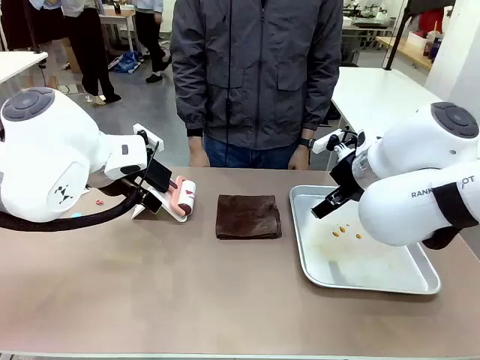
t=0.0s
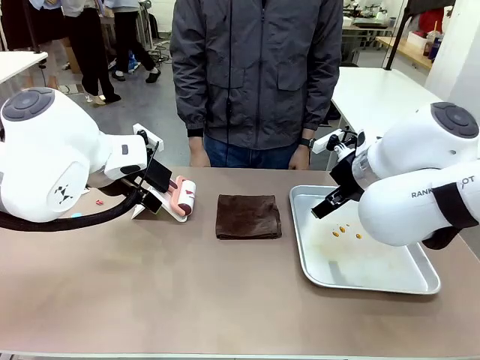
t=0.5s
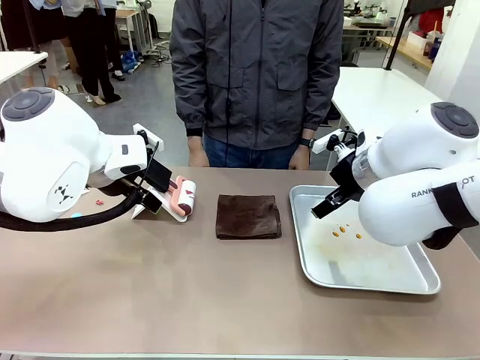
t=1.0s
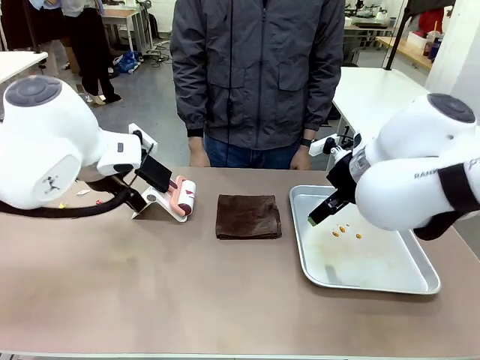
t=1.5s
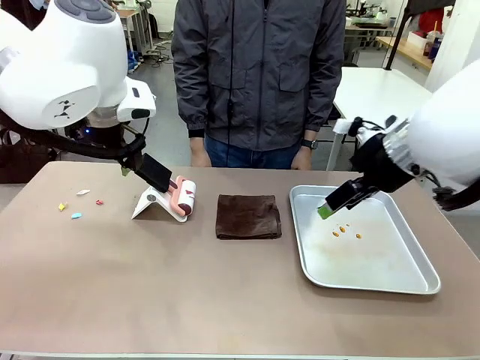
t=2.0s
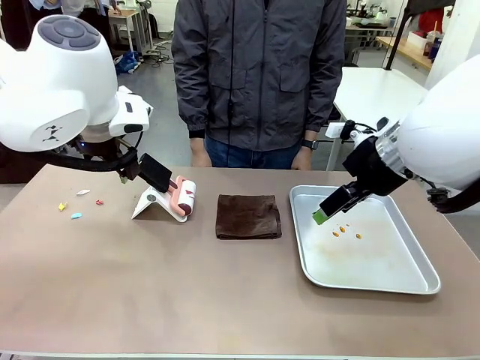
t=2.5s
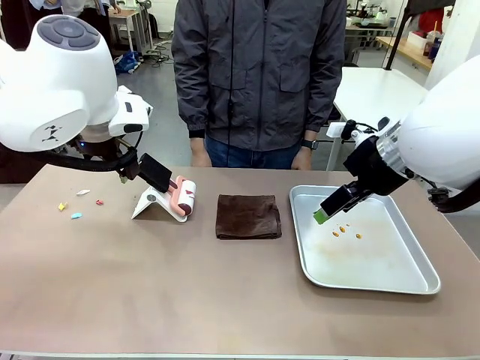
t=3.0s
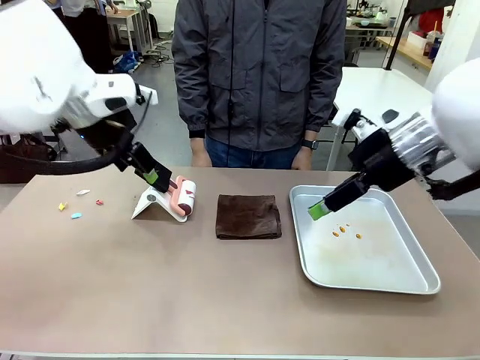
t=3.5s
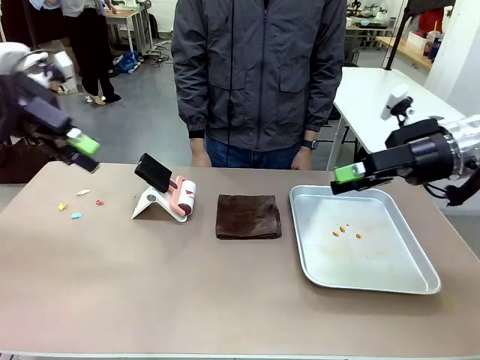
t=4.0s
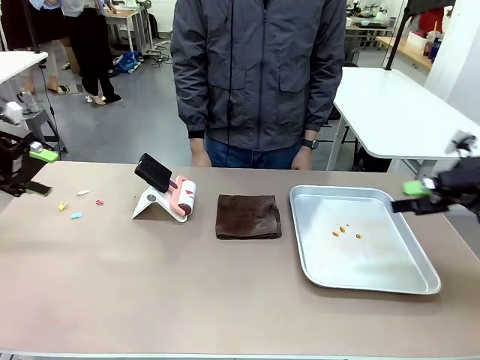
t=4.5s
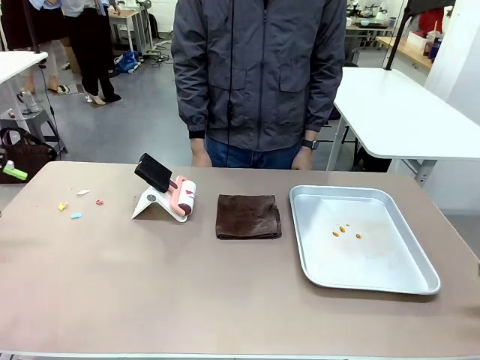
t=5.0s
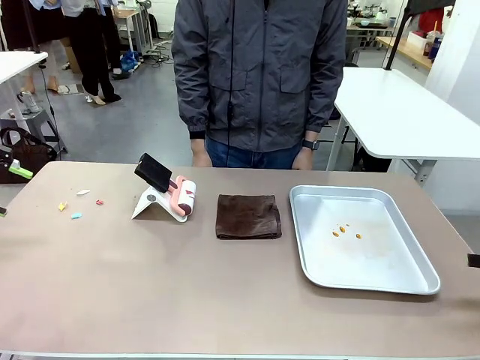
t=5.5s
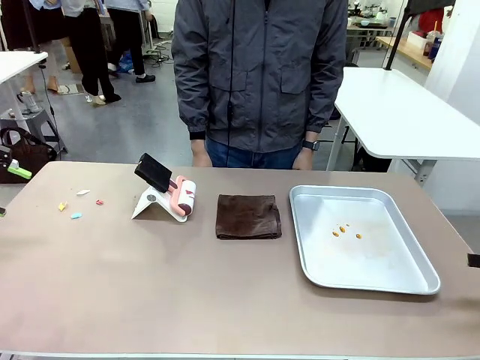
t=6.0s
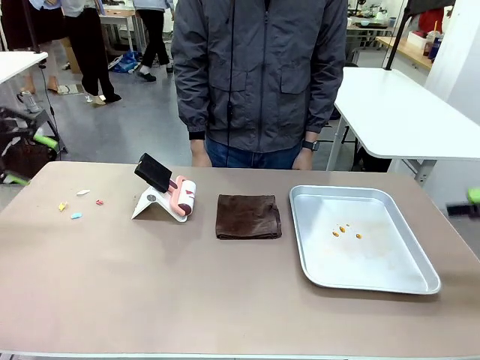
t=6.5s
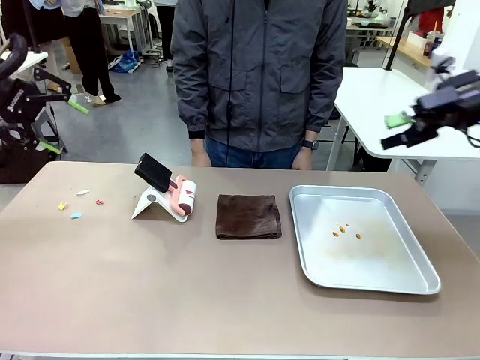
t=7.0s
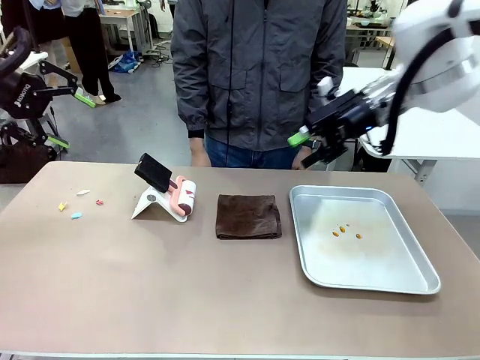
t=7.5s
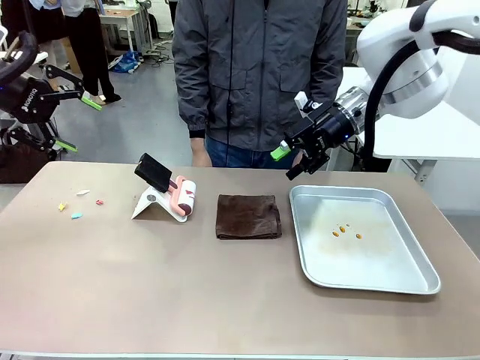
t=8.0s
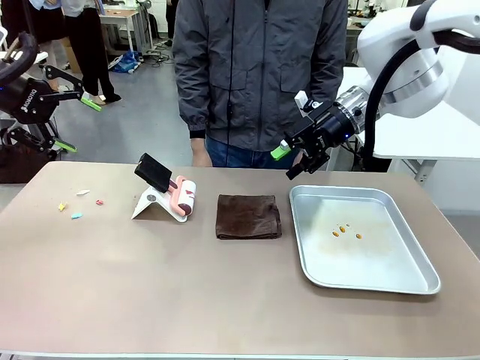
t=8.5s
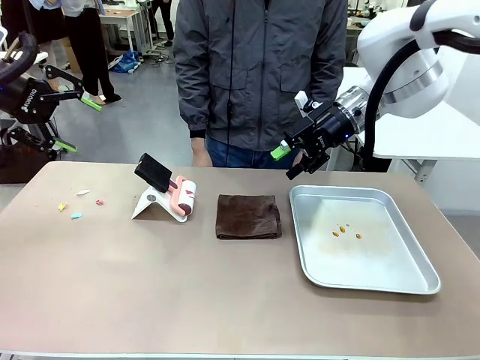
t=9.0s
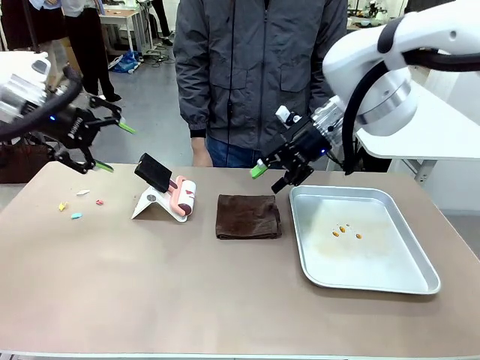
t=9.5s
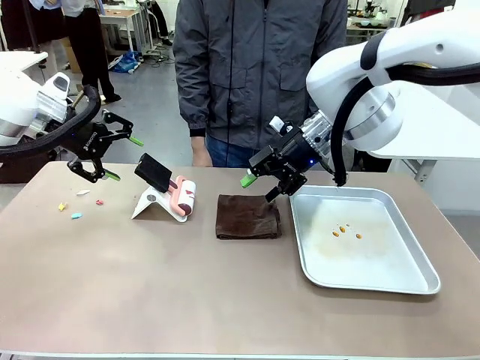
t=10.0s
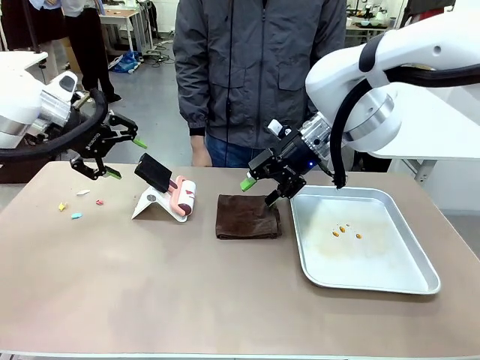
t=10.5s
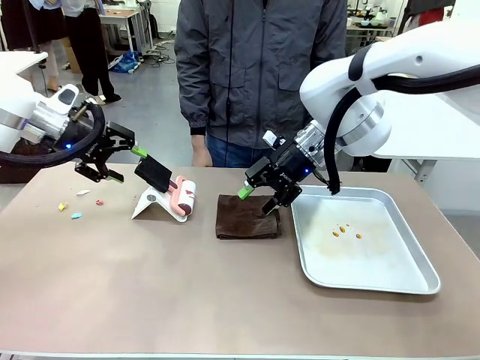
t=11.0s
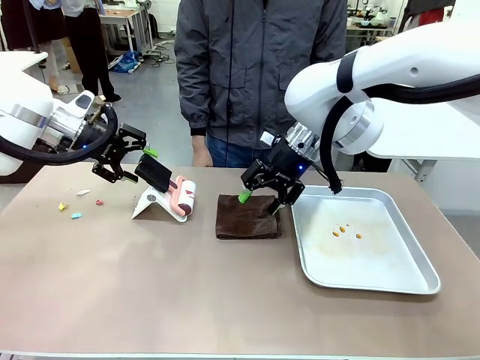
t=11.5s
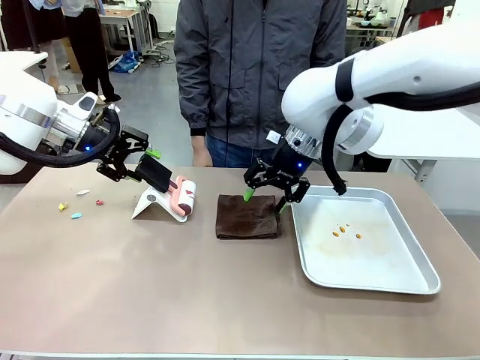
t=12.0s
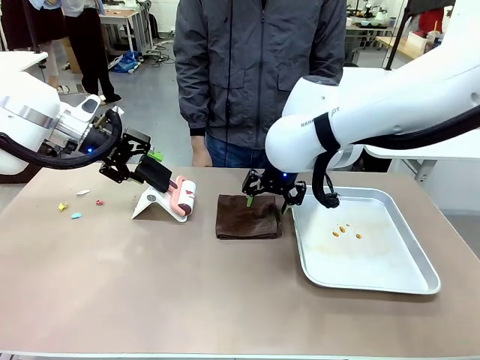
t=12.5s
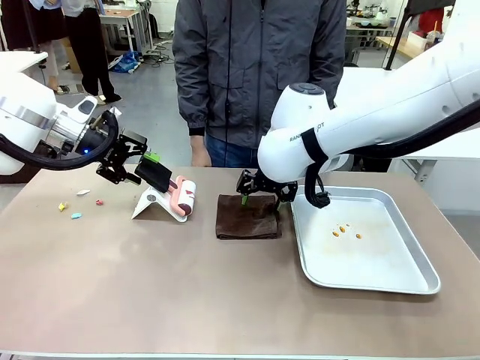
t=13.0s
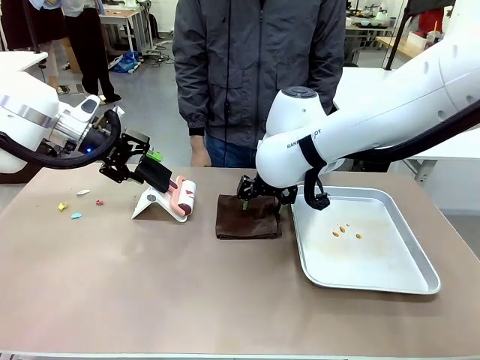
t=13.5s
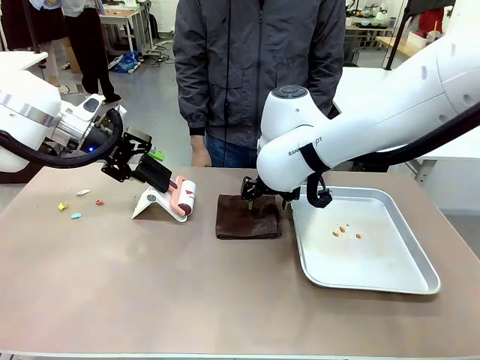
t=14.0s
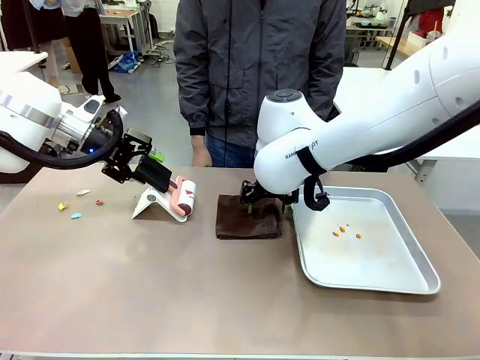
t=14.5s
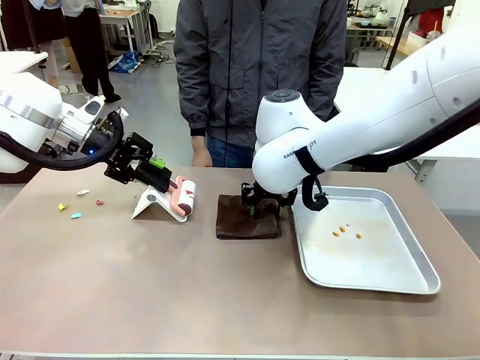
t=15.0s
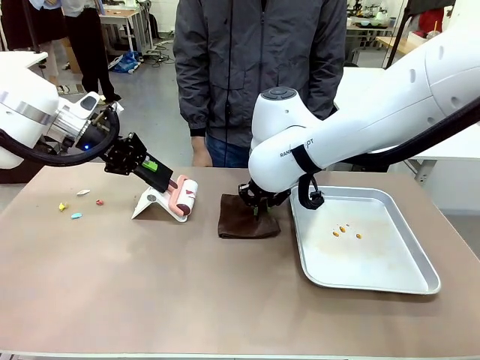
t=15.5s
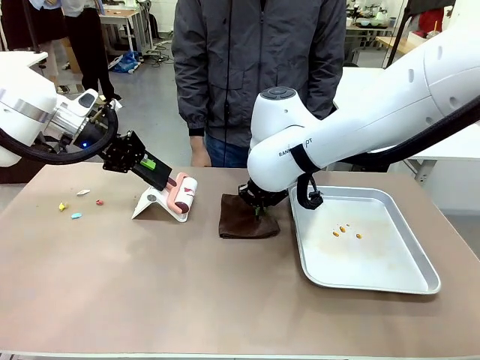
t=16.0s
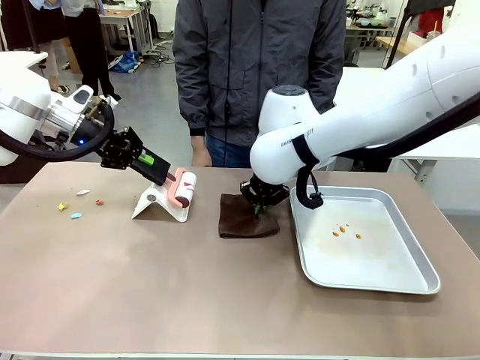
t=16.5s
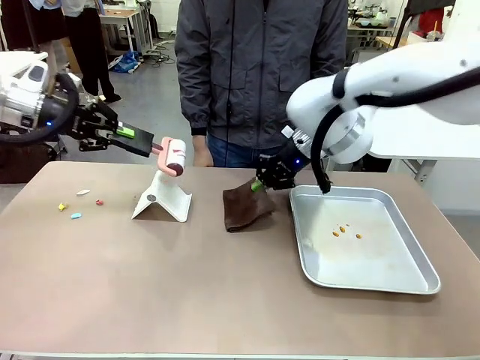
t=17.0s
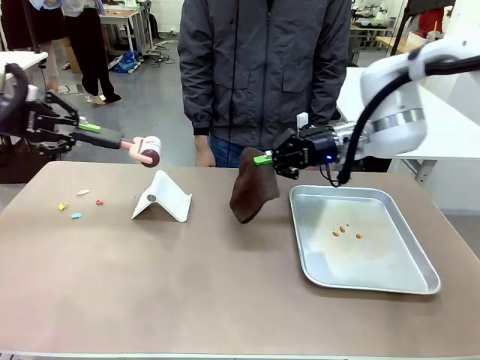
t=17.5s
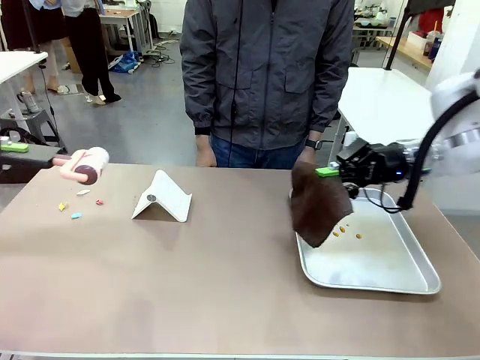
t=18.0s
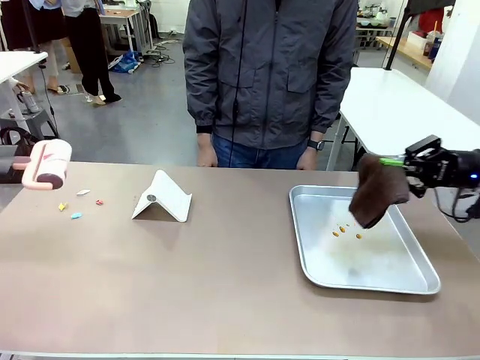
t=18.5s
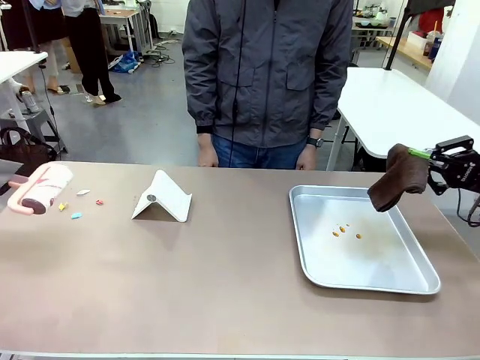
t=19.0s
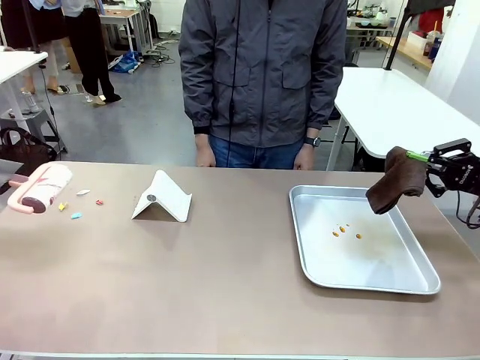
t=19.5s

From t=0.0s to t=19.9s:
Task: Clean the surface of the table.
Robot: Hold the Lint Roller with your left hand and the towel with your right hand.

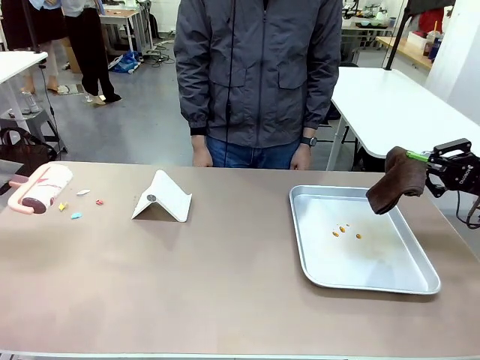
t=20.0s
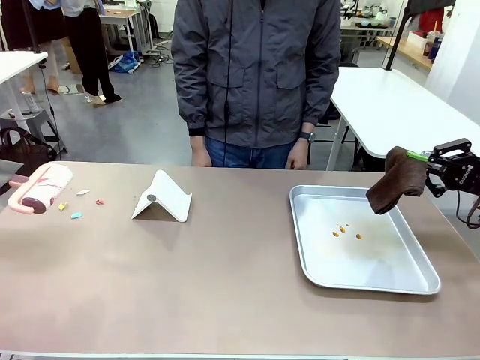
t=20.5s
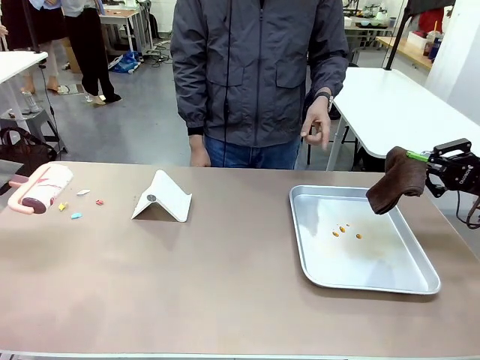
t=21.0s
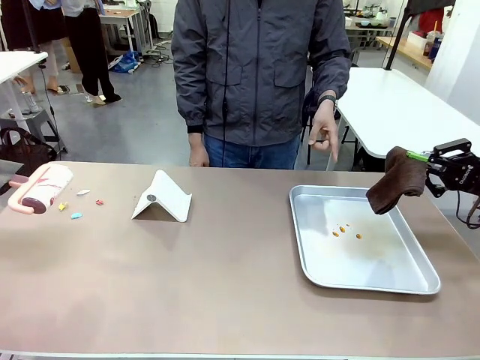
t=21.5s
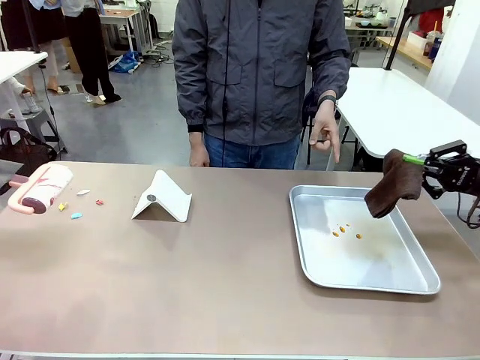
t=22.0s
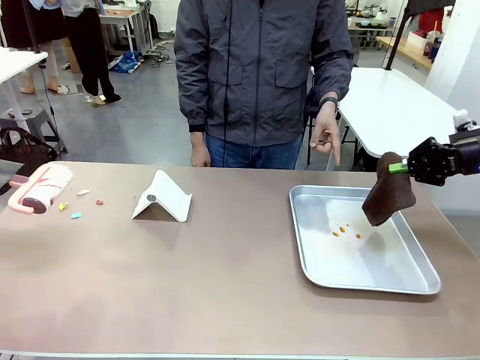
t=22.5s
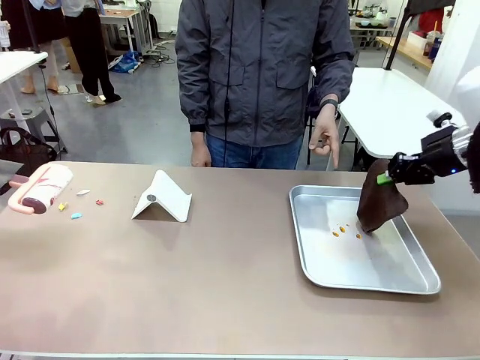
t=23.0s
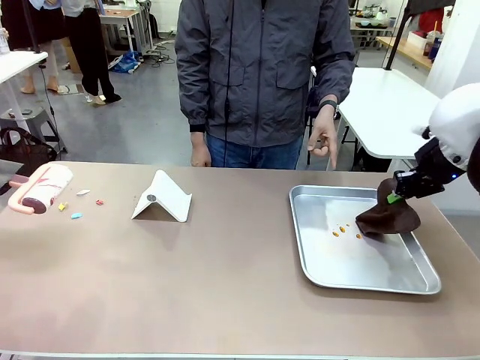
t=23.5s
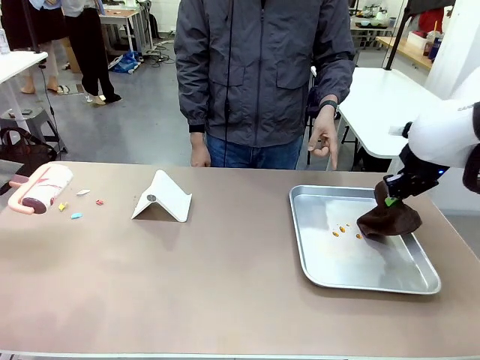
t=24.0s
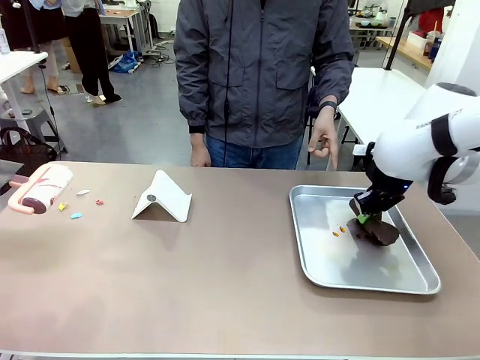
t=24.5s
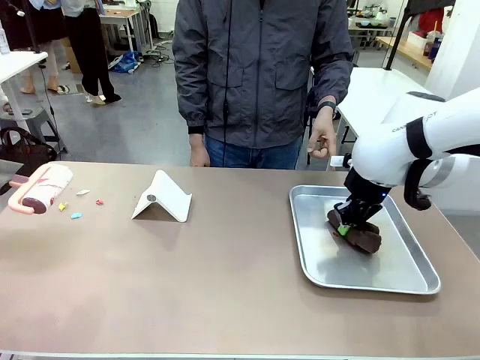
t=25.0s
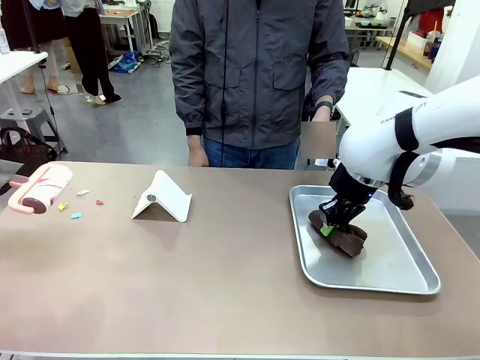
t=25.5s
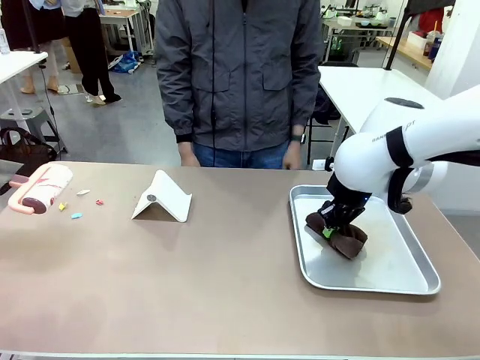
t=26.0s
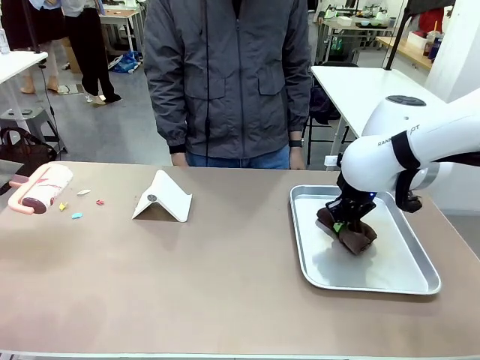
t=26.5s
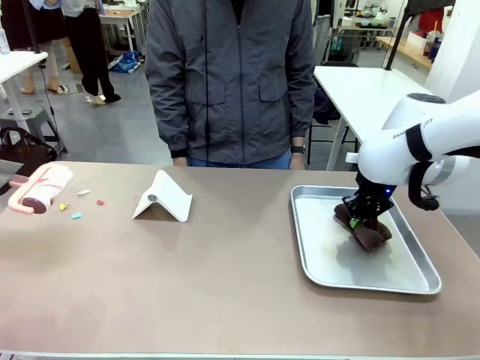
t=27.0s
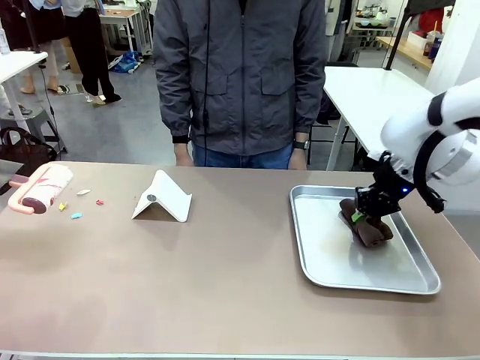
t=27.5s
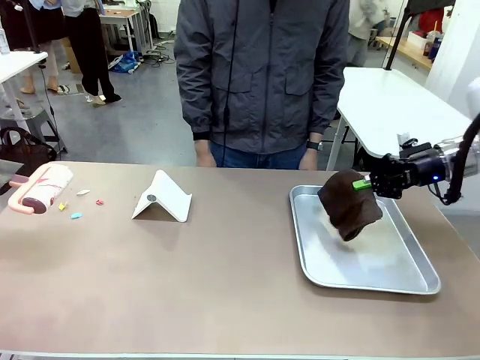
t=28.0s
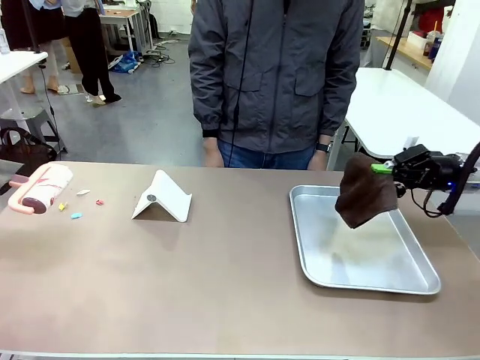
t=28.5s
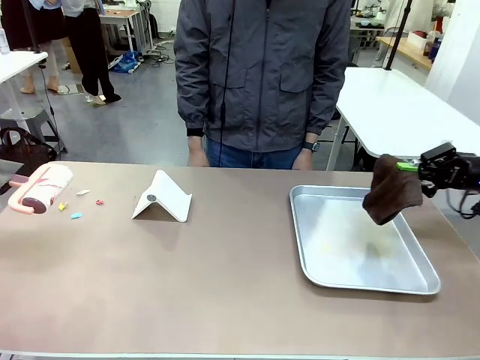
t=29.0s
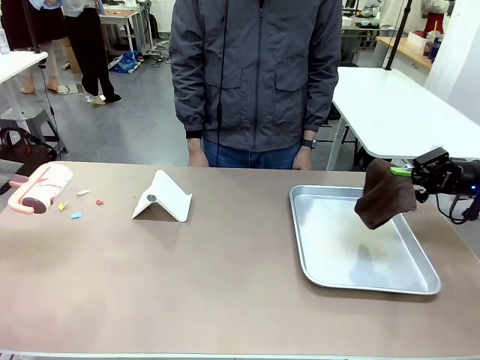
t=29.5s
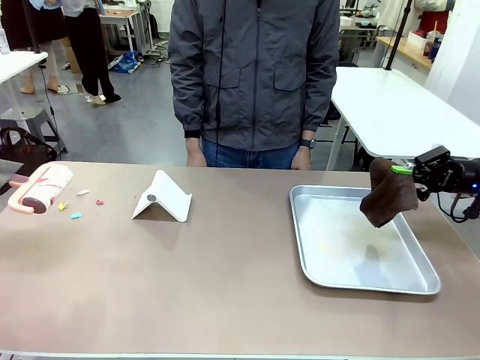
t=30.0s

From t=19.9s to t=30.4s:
Robot: If a person points to the right, clean the right side of the table with your right hand, and if they point to the left, clean the left side with your left hand.
